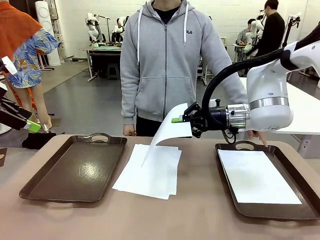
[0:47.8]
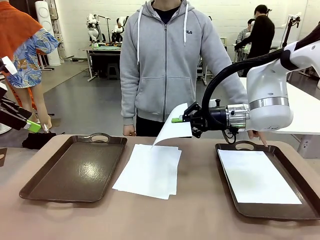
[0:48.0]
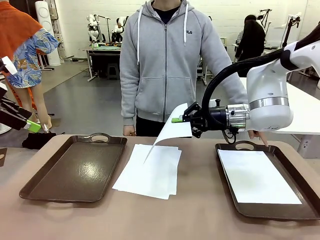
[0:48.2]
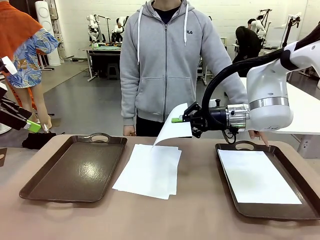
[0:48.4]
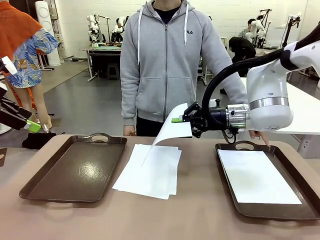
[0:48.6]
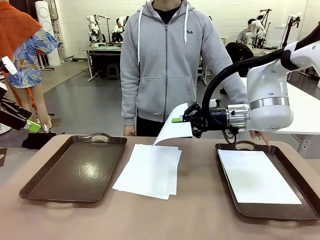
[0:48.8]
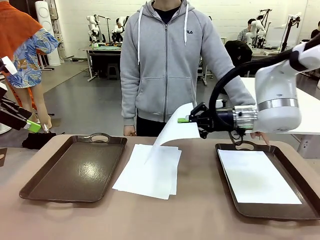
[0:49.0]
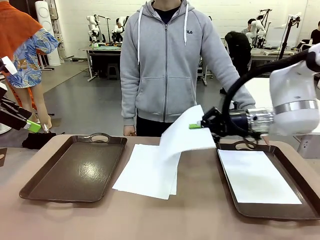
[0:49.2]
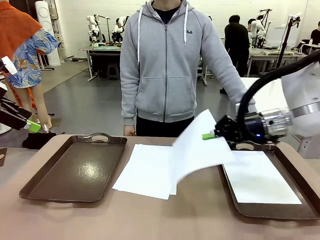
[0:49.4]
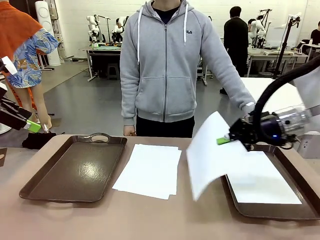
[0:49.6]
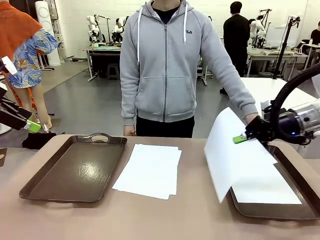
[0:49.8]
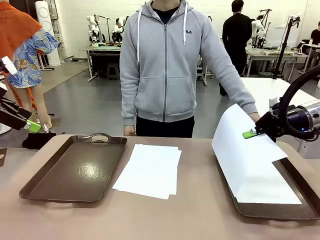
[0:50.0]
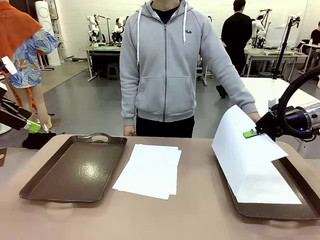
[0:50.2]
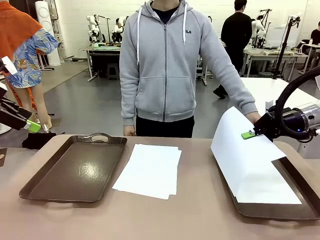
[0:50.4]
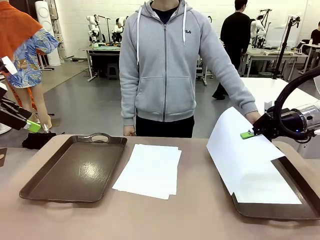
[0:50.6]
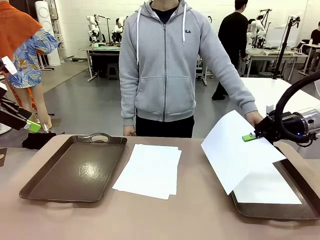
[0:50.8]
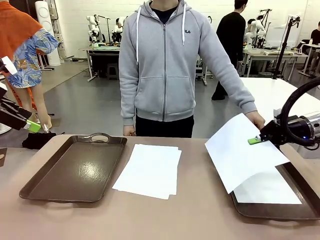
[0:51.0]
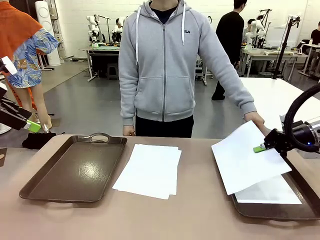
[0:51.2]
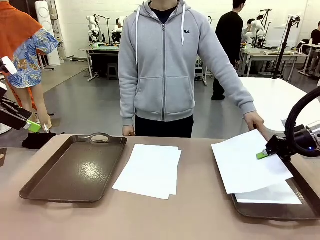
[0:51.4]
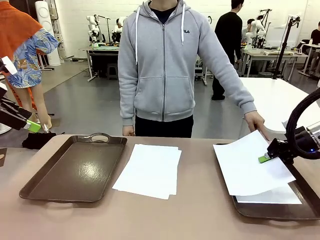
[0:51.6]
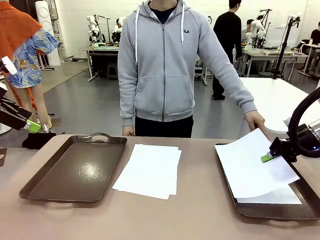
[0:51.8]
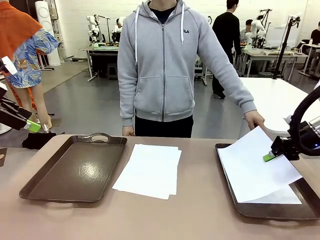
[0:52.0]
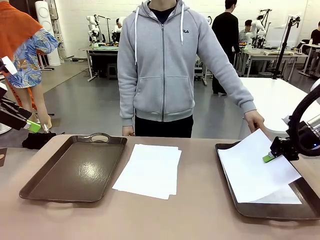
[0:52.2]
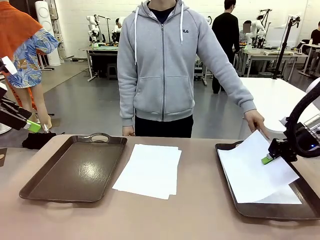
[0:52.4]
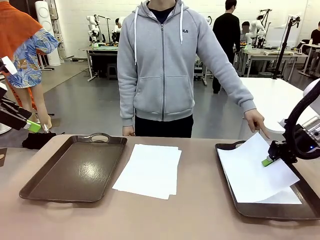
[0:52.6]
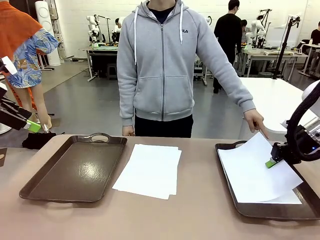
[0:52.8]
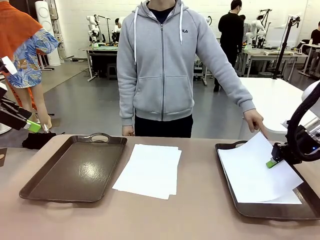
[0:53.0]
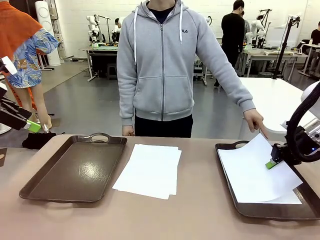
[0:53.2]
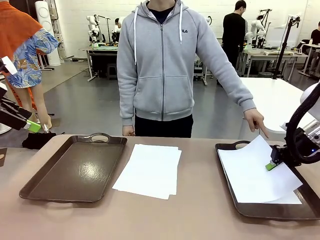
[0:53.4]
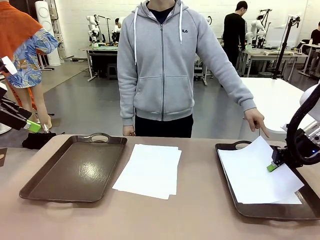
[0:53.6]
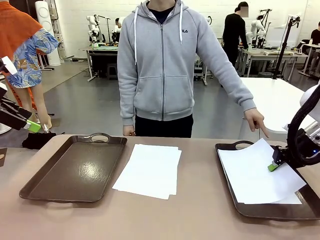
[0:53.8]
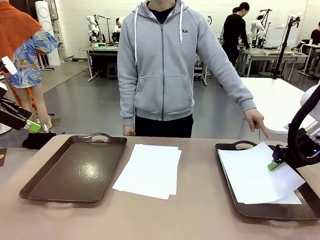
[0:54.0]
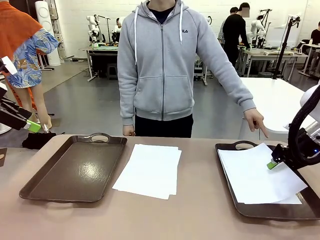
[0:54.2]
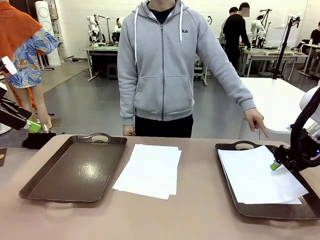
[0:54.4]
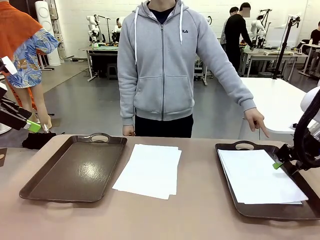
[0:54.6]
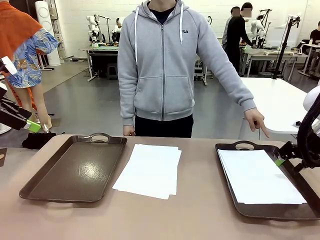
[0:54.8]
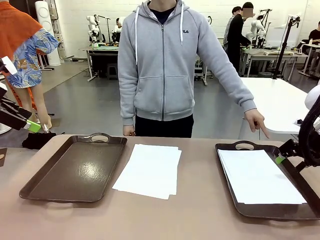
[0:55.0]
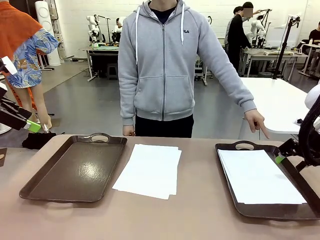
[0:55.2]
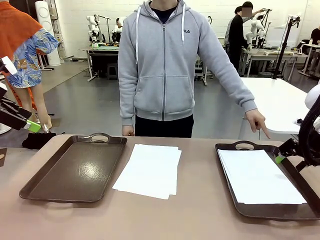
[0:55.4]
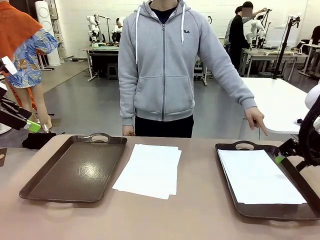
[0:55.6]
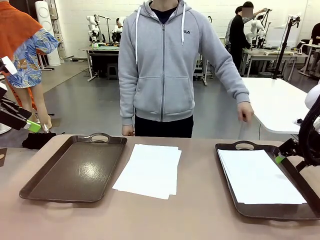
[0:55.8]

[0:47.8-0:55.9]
Task: Sort the A4 documents.
Robot: Place the A4 Paper in the designated Handle tray.

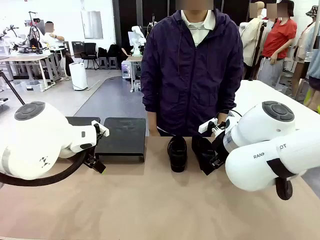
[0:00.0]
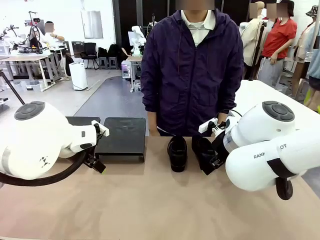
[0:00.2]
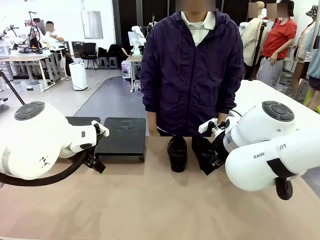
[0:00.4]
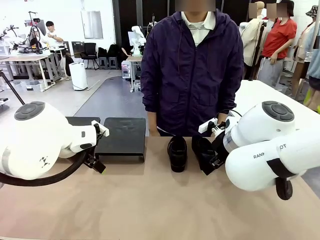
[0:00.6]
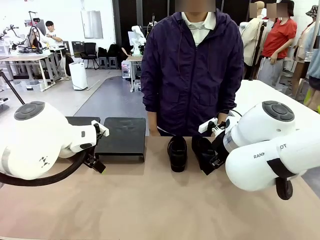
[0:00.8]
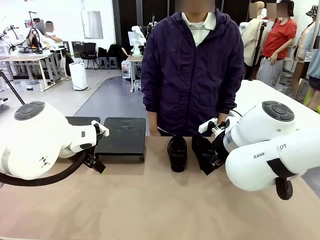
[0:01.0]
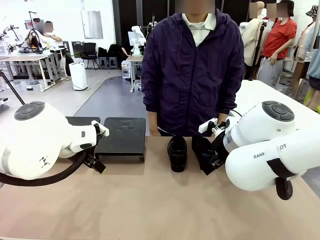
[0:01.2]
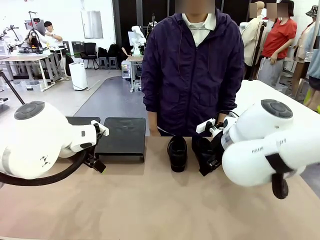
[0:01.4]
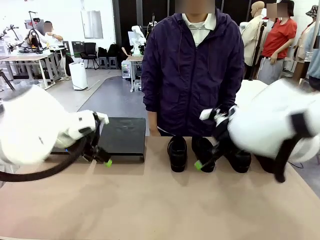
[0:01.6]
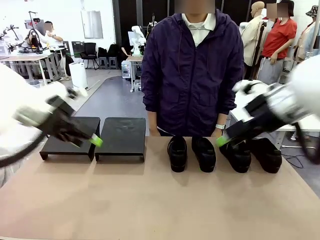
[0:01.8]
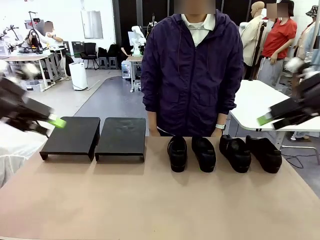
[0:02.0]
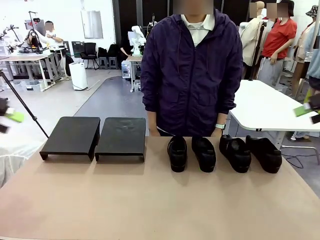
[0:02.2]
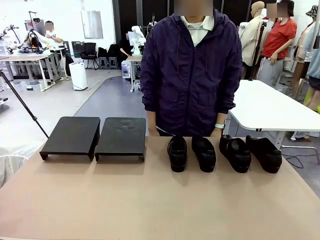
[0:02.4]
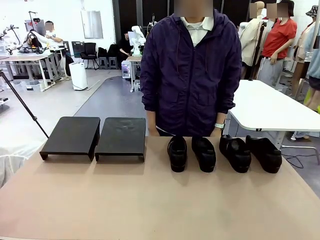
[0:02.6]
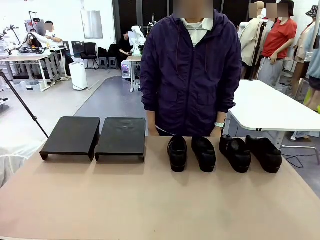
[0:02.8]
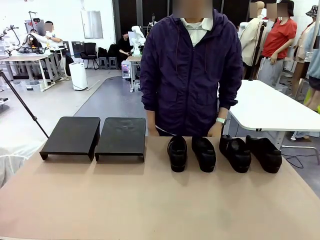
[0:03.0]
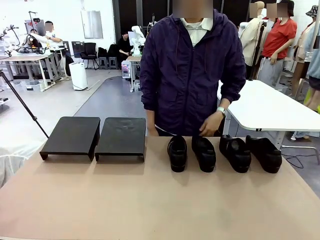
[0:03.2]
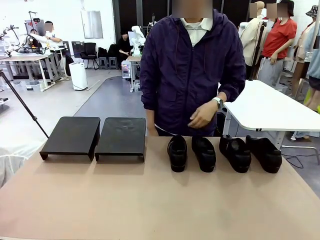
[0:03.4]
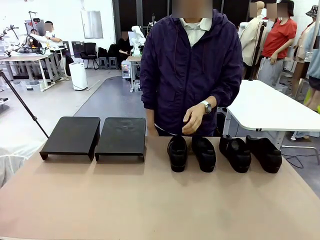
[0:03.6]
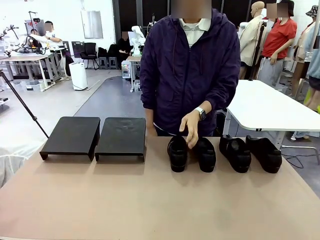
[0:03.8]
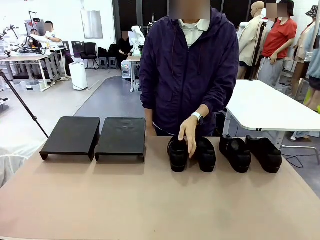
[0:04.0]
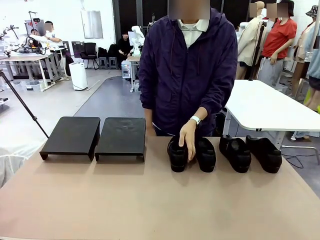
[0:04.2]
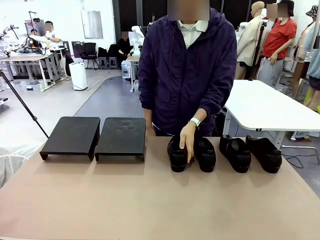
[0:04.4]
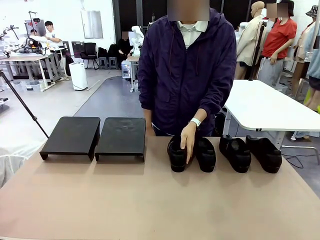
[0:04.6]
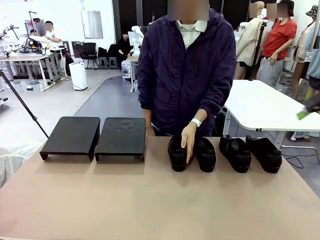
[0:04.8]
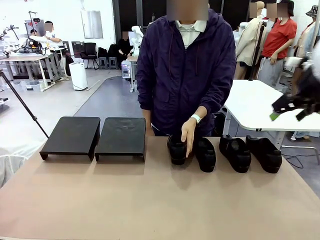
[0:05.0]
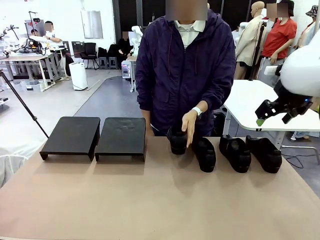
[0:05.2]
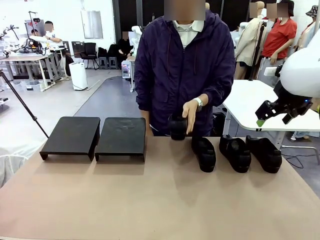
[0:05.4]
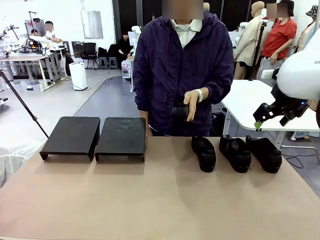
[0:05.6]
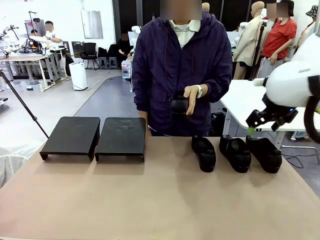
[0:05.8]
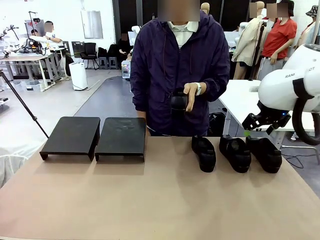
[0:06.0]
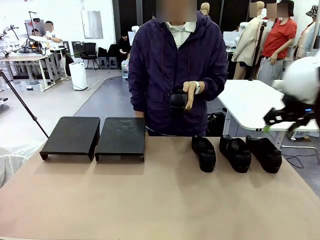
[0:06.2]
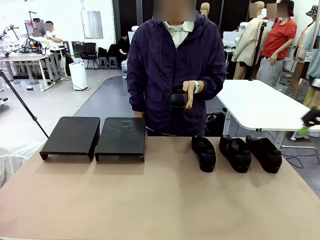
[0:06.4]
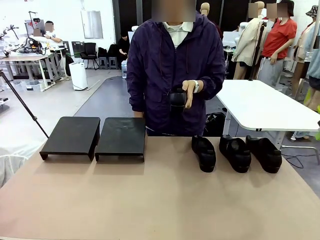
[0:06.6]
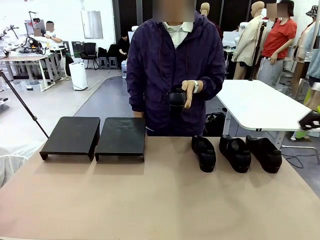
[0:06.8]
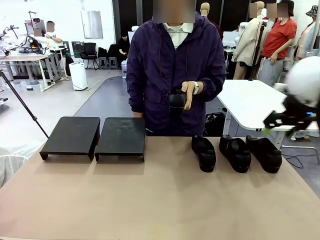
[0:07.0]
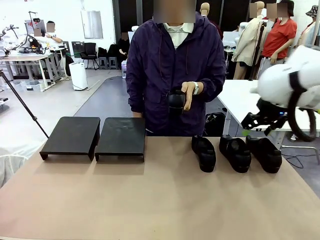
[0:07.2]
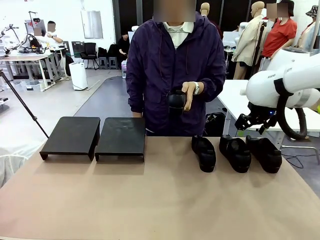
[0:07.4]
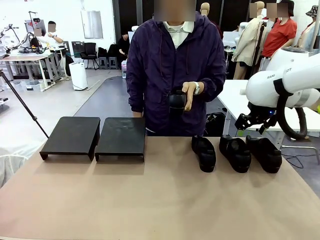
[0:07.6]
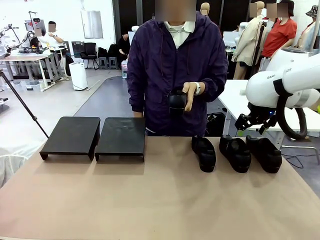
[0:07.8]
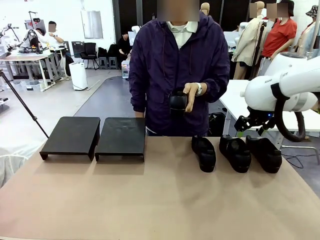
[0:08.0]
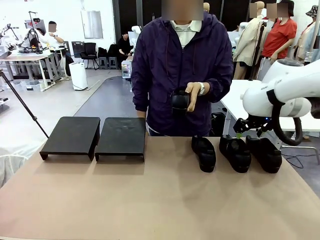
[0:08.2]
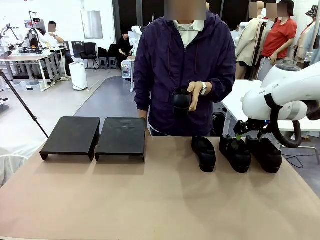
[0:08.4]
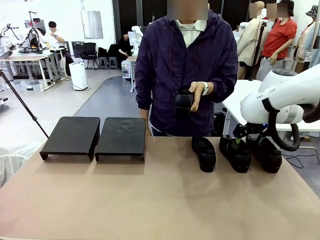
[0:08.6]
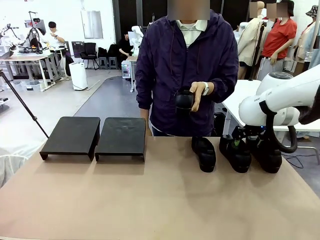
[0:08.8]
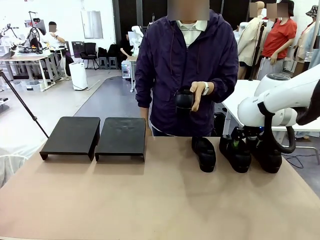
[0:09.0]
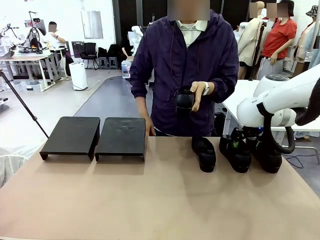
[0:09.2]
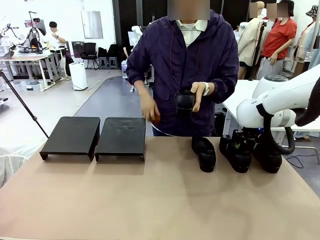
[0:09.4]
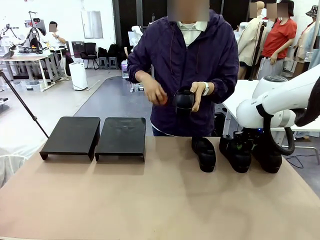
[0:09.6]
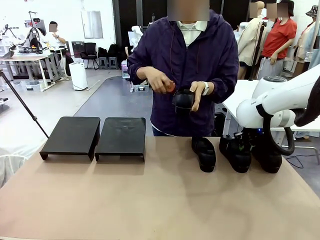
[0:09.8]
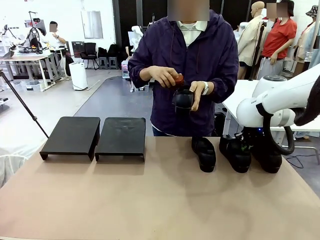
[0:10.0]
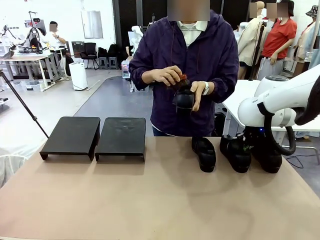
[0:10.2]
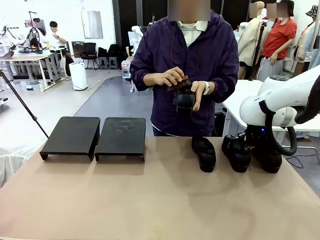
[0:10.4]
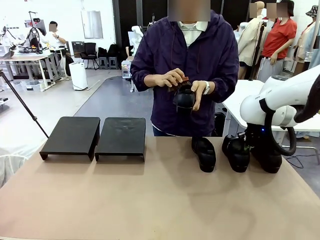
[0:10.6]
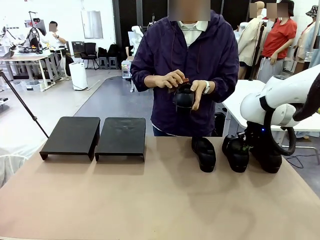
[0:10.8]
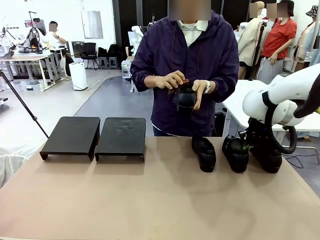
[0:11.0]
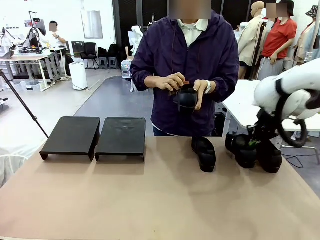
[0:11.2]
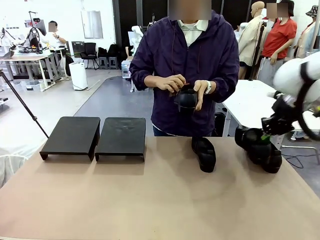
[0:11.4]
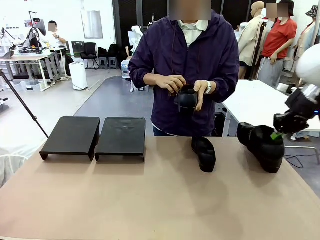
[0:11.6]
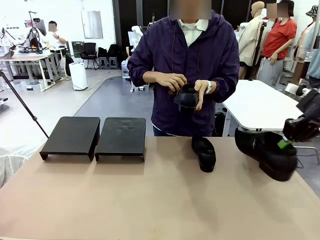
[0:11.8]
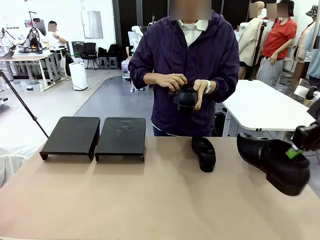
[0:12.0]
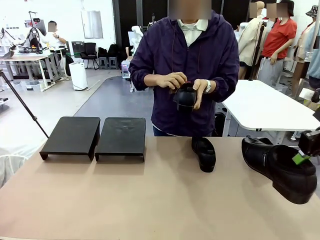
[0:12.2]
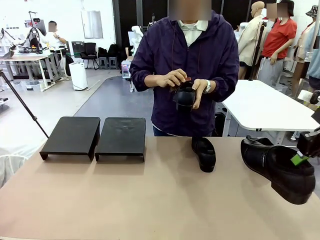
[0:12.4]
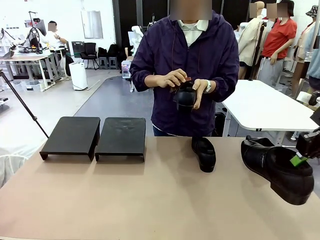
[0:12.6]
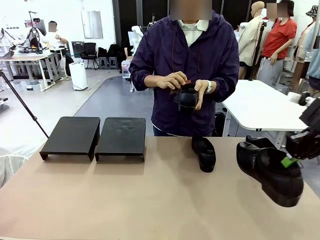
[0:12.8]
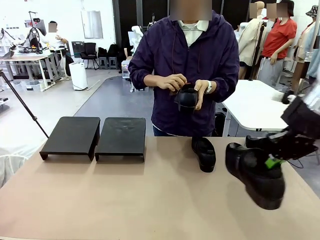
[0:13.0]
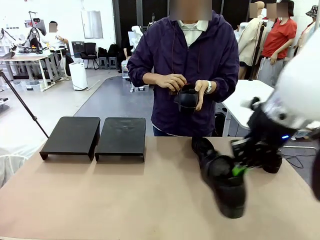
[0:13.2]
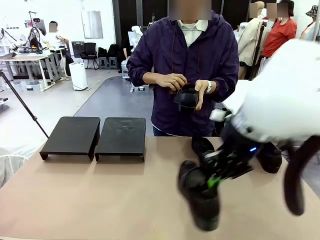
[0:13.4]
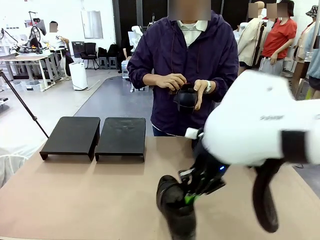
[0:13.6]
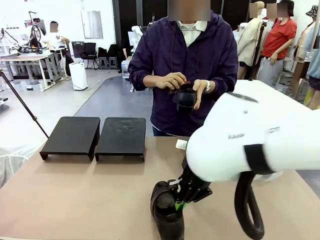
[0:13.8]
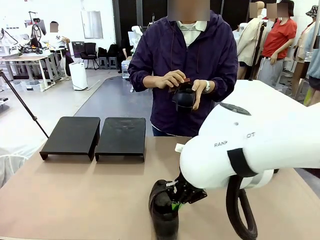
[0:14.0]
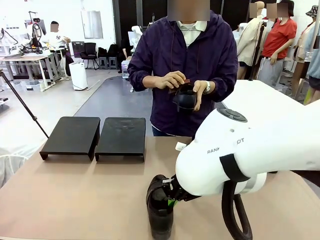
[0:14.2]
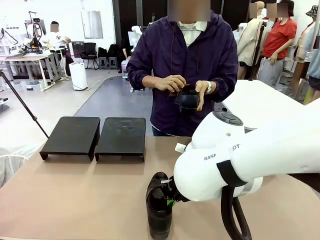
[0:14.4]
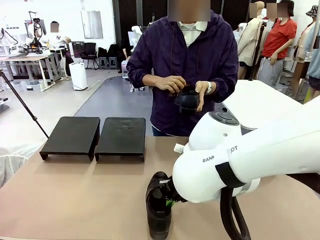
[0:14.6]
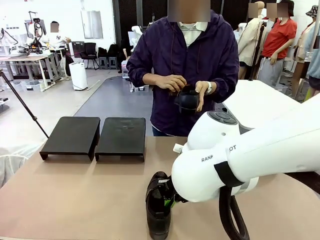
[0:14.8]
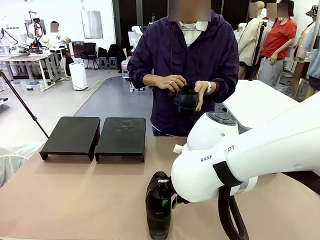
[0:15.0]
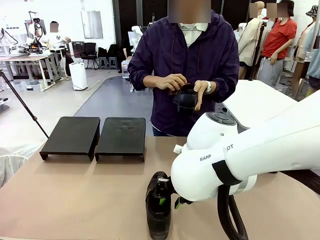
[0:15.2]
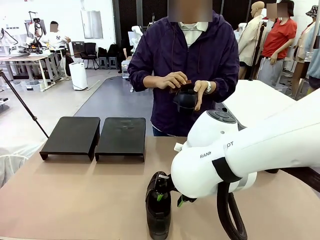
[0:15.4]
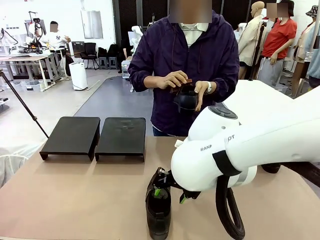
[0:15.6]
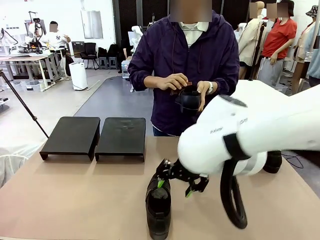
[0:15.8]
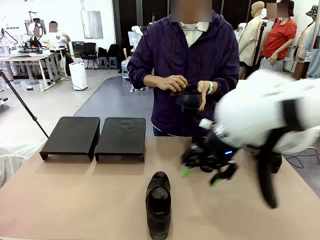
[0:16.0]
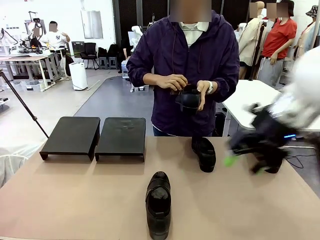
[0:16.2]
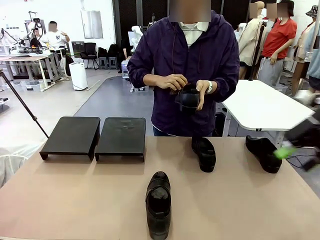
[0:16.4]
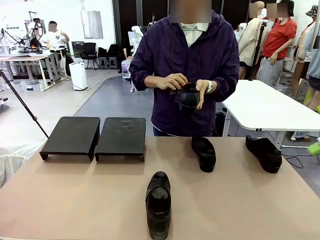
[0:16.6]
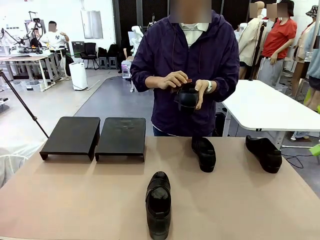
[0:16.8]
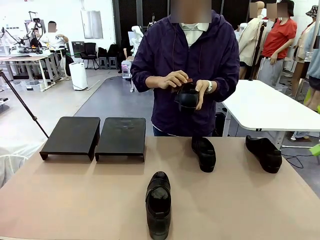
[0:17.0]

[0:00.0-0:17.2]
Task: Organize the shoes by placing them on the stand.
Robot: Pick up one Shoe and place it in the middle of the table.
Person: Pick one Shoe on Robot's table. Clean the Shoe with the Shoe Brush.
